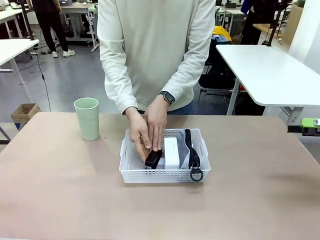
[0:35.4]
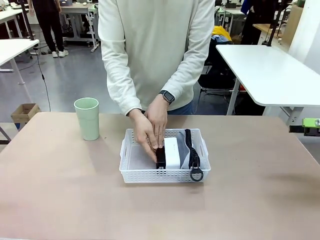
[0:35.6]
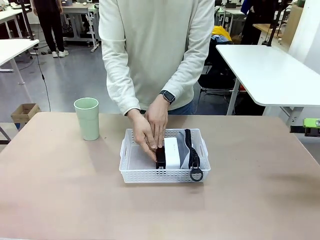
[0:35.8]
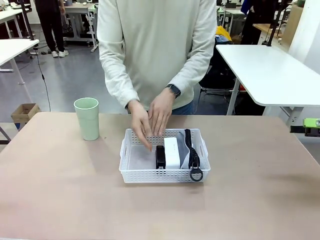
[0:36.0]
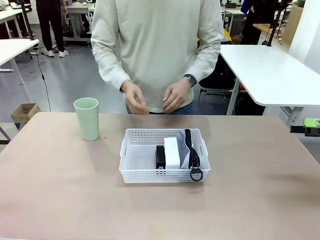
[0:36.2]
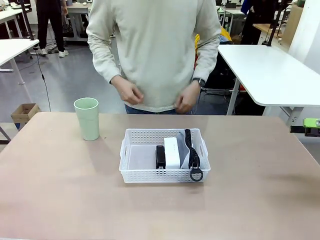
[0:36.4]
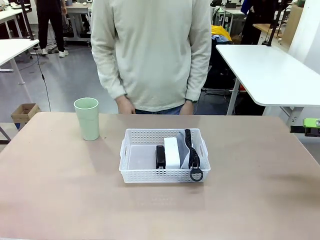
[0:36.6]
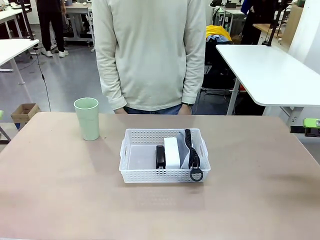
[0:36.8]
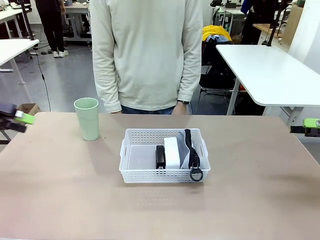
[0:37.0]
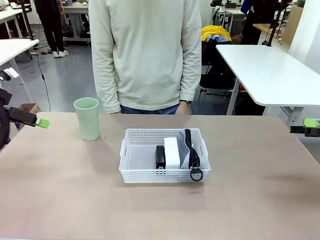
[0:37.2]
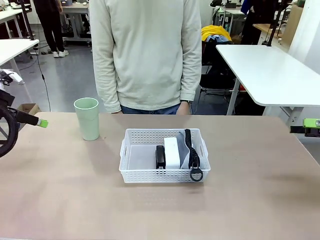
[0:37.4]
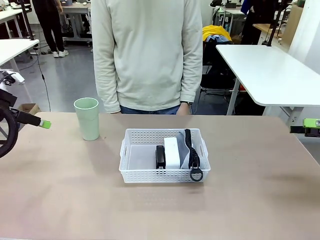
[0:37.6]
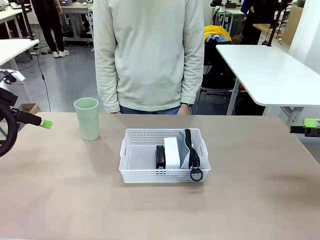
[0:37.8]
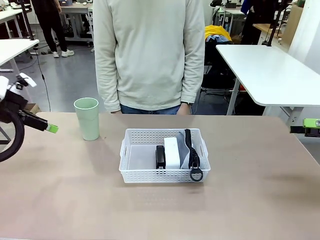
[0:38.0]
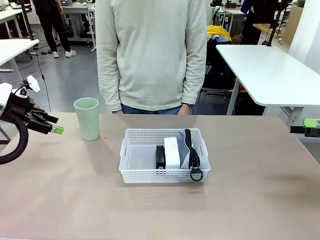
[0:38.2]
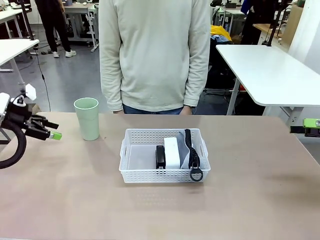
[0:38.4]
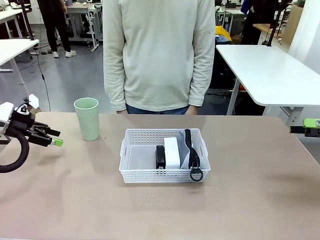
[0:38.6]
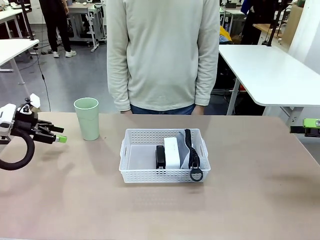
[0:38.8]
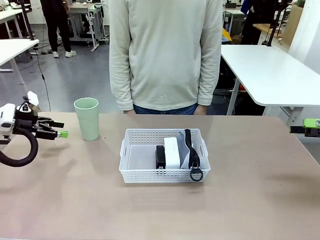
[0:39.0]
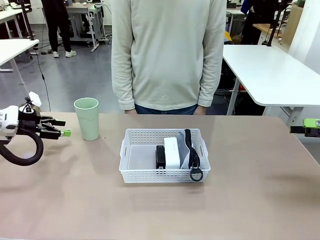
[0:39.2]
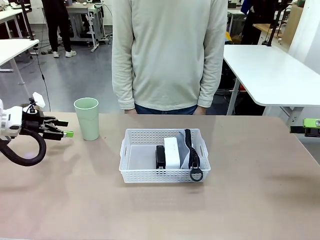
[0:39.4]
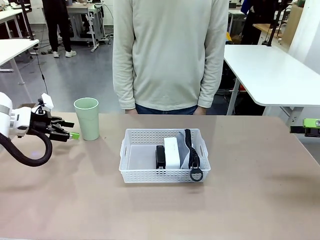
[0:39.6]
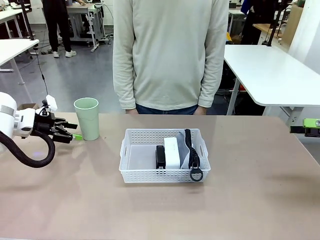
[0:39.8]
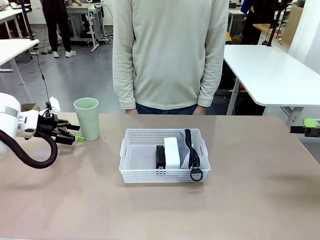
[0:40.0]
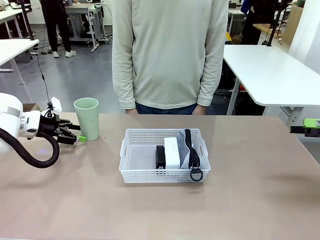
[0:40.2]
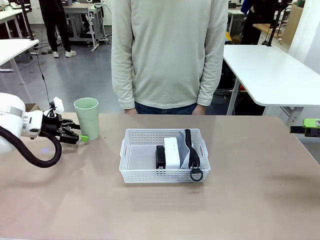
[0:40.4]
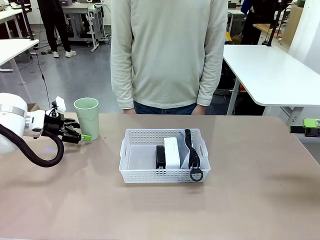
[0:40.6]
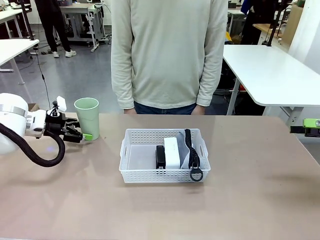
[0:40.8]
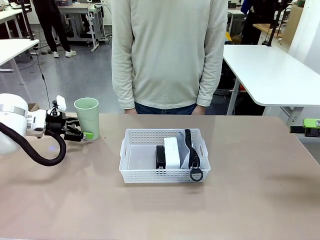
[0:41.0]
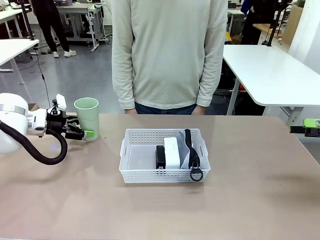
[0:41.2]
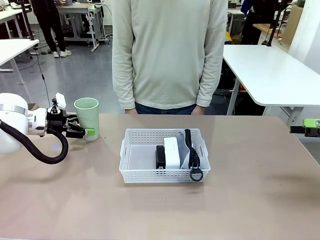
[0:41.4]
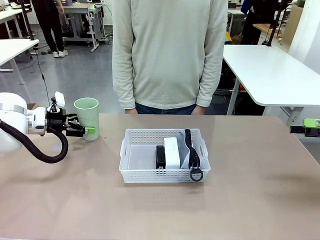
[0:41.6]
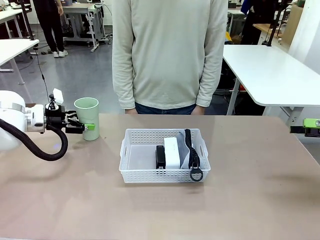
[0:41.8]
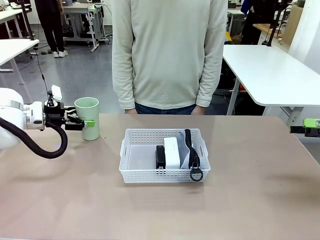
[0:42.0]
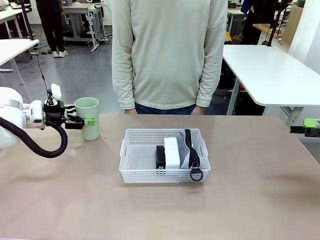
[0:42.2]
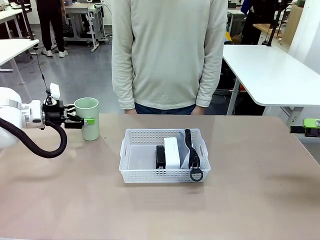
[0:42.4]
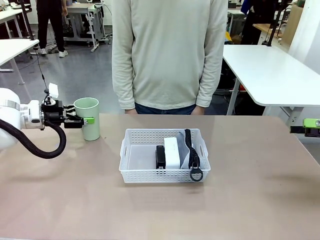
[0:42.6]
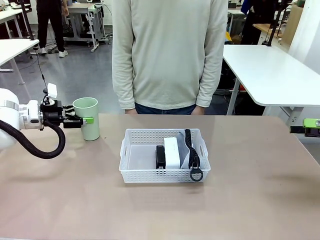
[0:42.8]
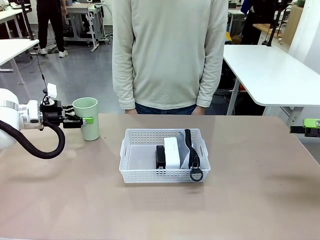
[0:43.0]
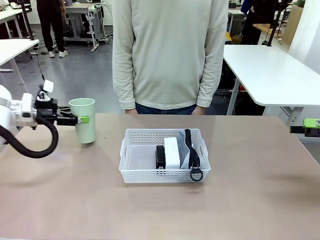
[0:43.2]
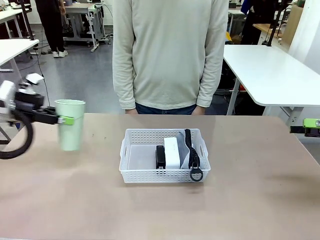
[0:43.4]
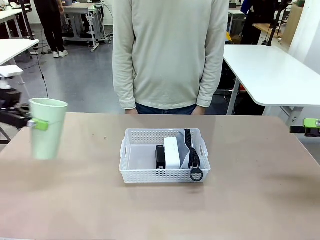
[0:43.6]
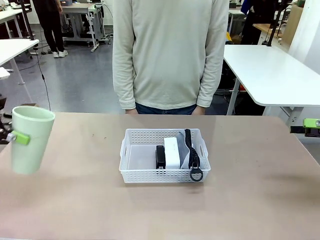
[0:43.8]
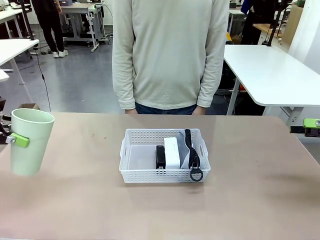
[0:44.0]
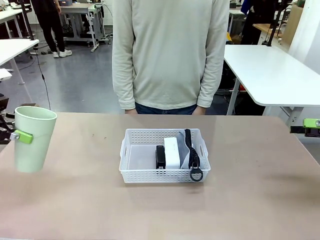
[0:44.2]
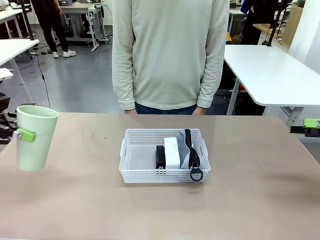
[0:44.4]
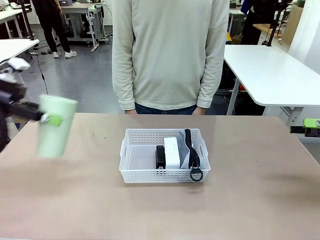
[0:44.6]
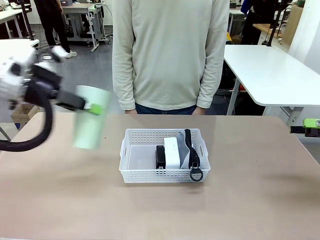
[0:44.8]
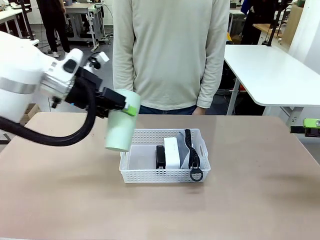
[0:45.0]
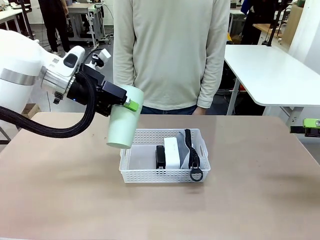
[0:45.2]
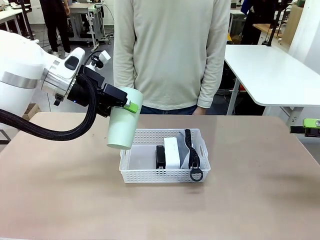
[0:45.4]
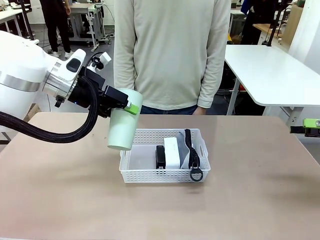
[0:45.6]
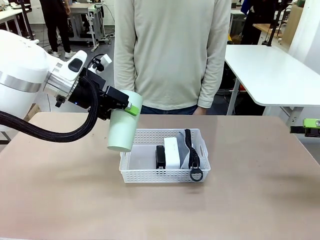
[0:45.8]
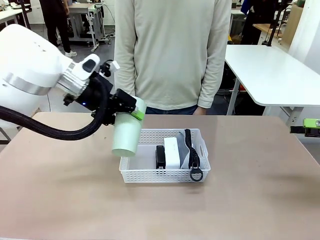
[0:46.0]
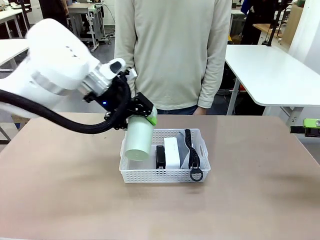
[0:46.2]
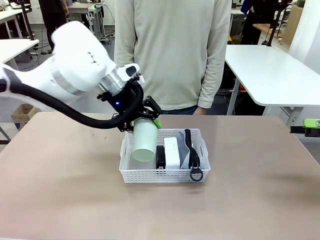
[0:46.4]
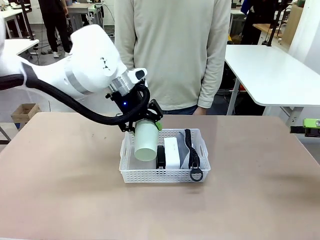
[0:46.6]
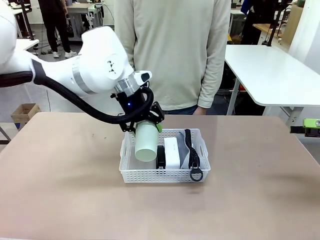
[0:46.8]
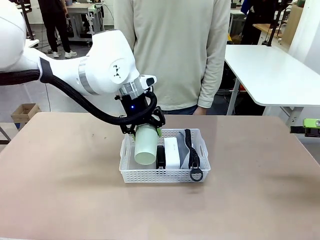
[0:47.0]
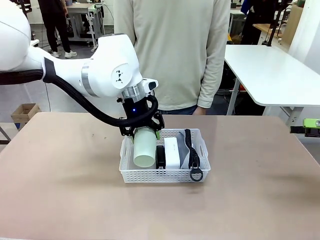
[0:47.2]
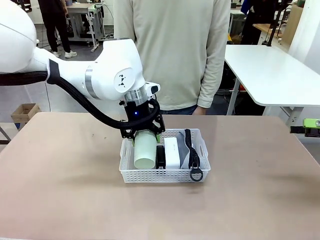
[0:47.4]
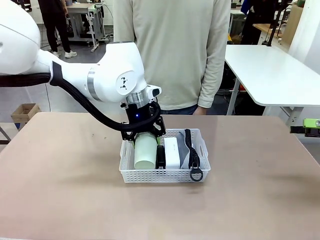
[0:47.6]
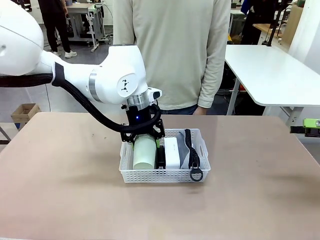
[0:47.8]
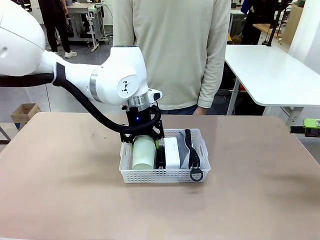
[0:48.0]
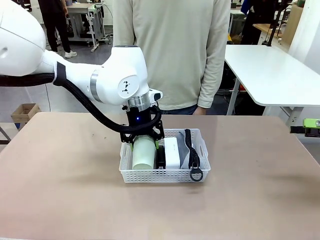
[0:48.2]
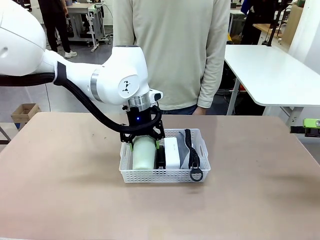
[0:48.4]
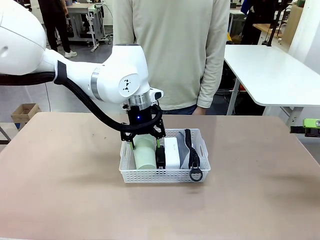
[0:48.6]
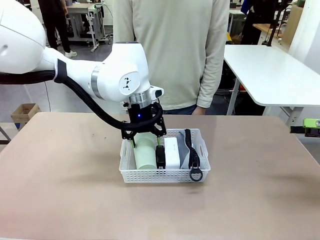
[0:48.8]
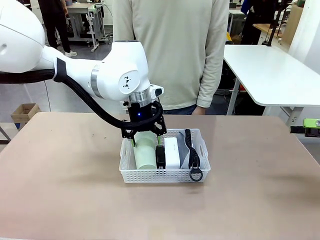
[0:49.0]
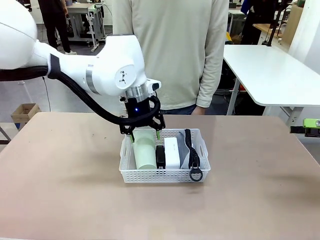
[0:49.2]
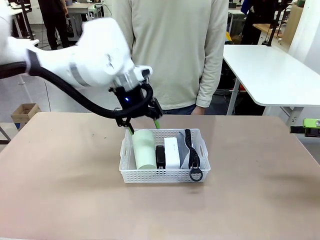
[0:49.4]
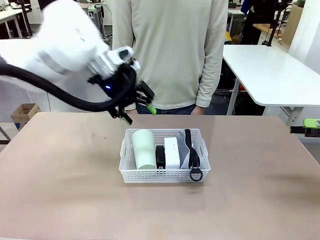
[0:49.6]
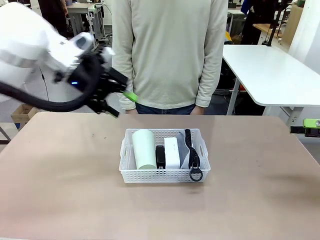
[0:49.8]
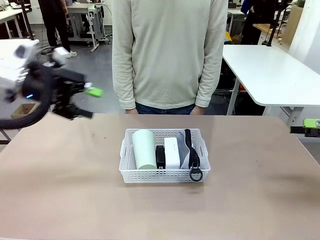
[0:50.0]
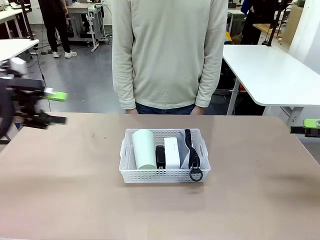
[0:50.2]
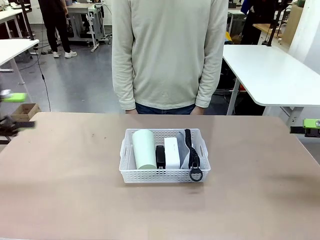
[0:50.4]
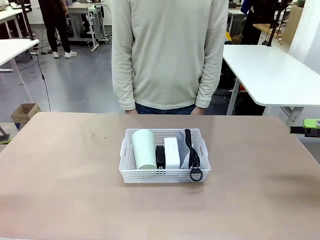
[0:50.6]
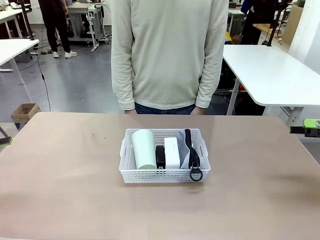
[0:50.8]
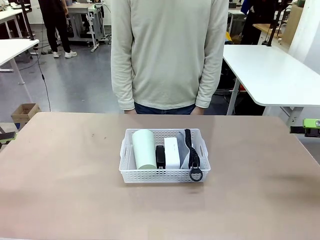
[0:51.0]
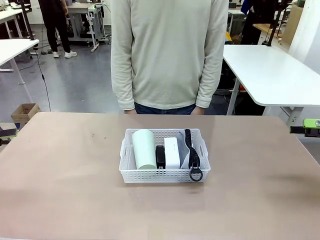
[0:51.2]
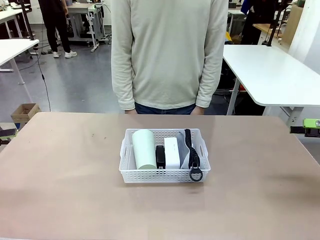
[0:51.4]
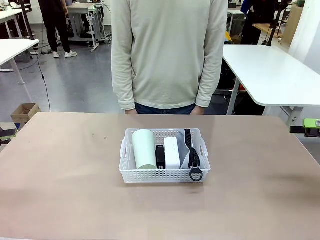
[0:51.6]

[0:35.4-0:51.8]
Task: Efficiently arrange items inside the basket to fit them all.
Robot: Pick up the Reusable plastic cup and place it inside the Organizing basket.
Person: Repositions the stapler.
